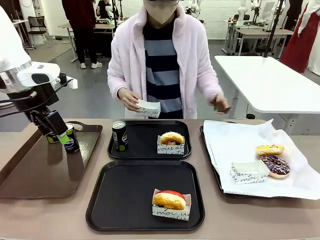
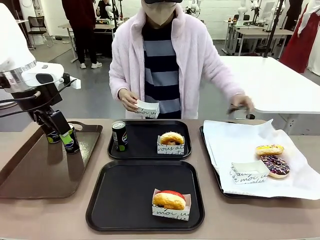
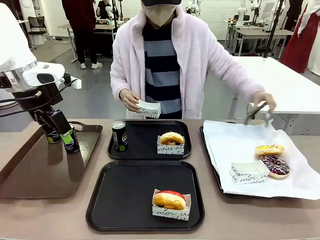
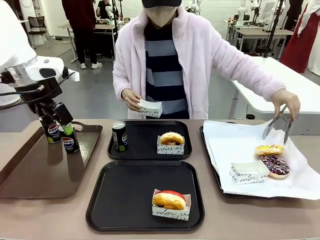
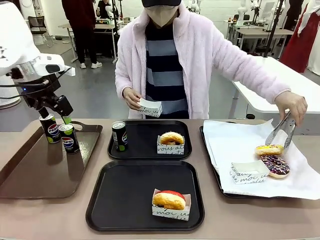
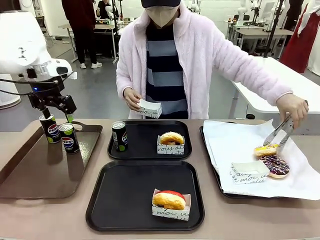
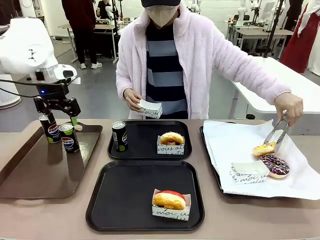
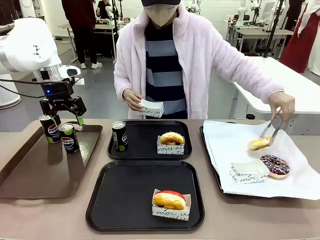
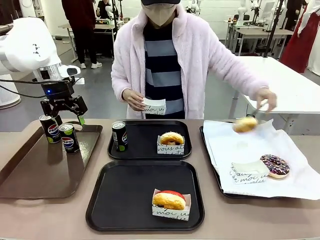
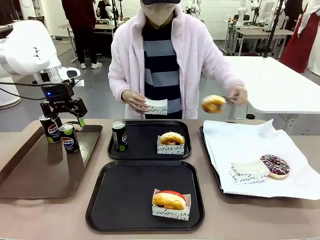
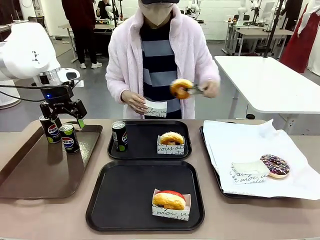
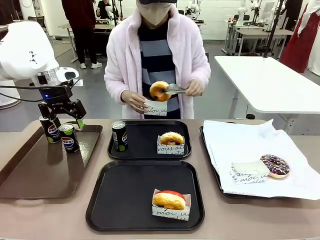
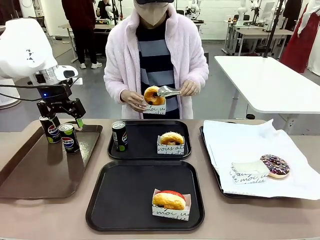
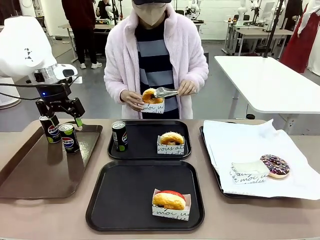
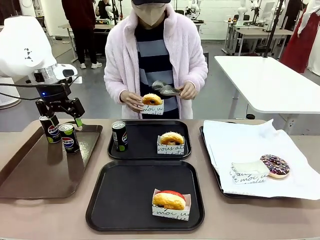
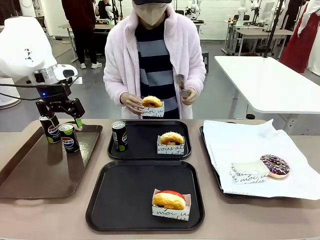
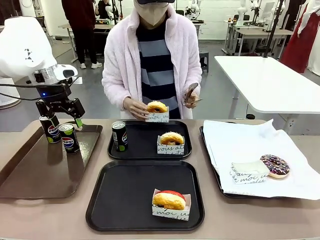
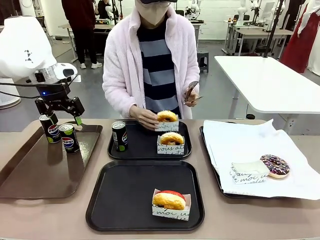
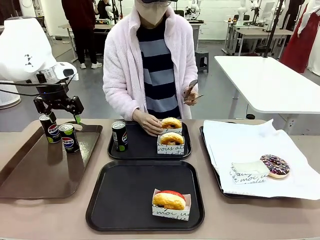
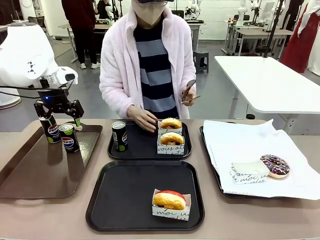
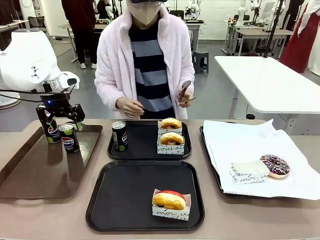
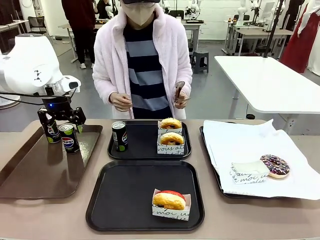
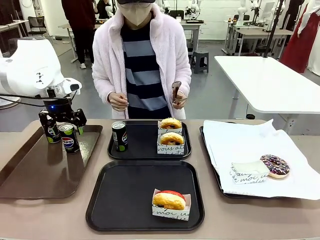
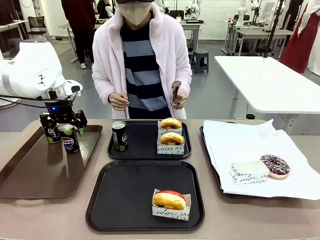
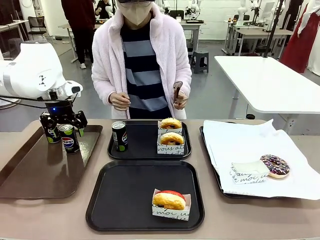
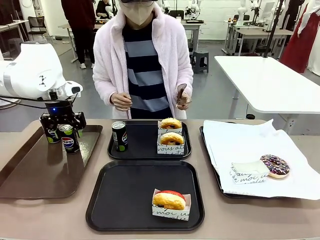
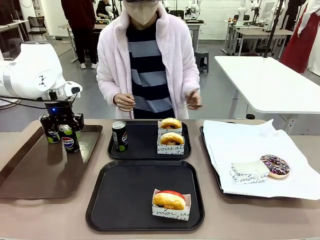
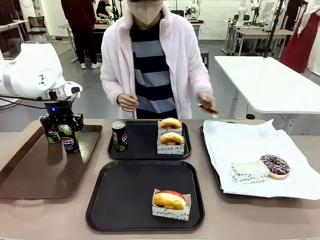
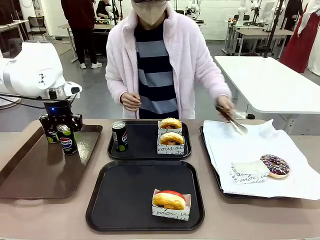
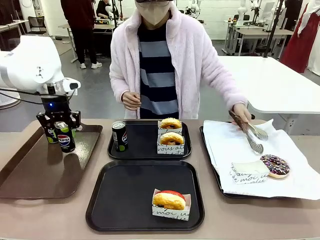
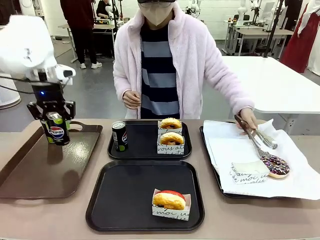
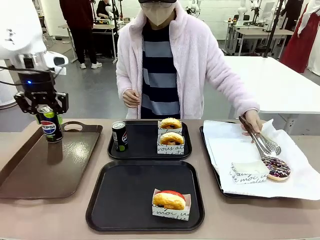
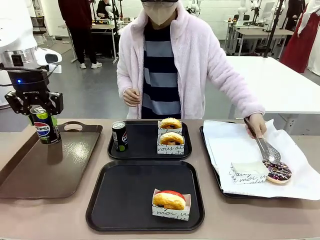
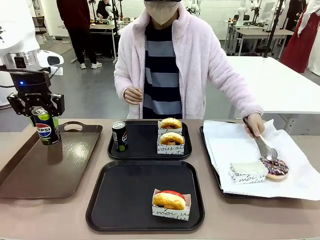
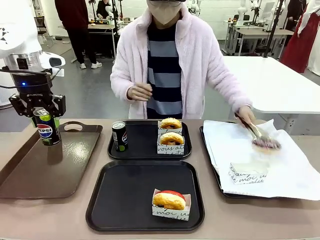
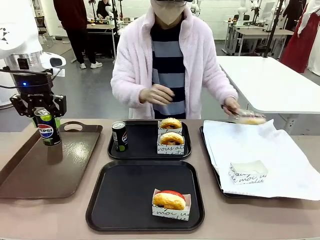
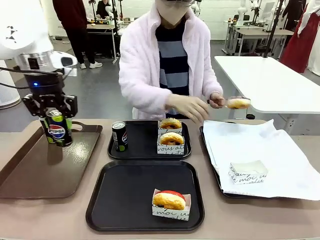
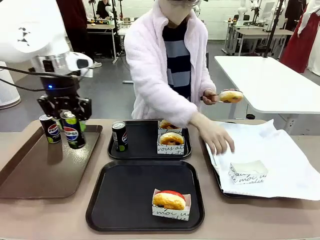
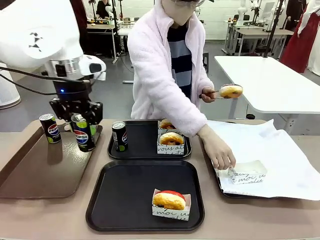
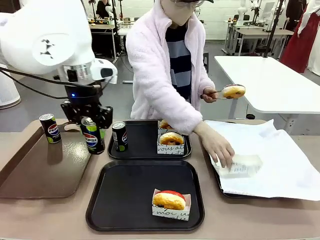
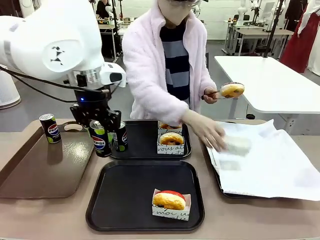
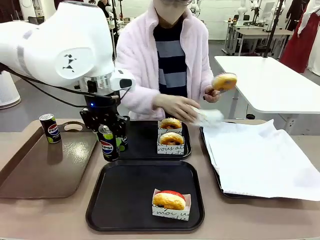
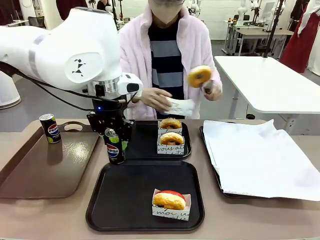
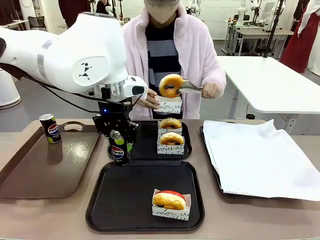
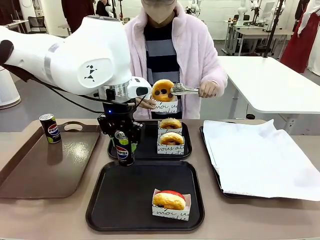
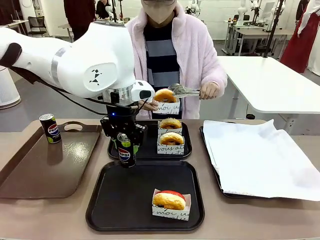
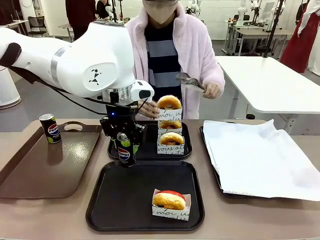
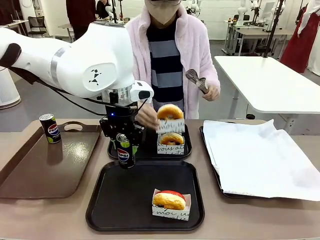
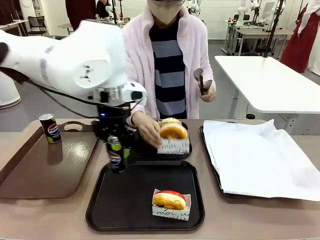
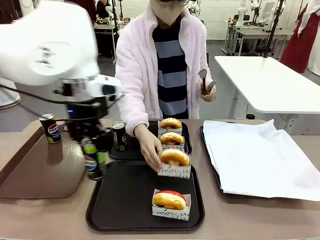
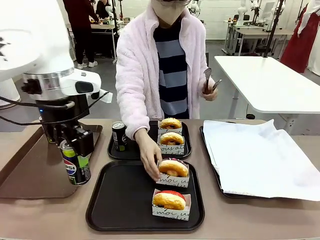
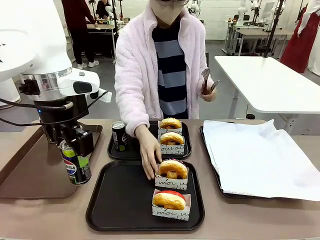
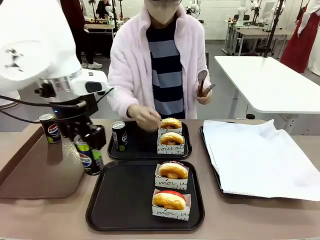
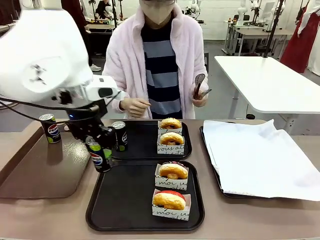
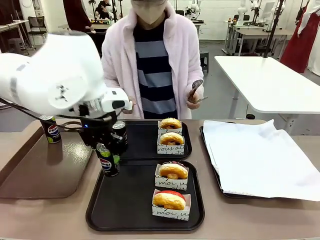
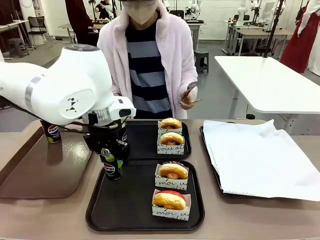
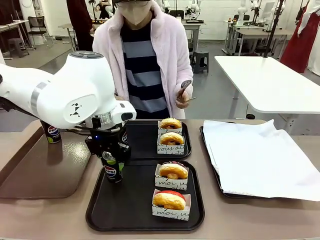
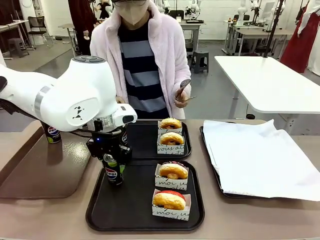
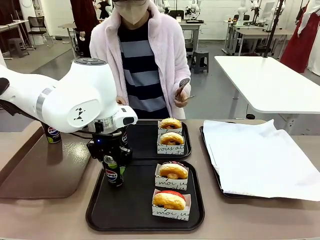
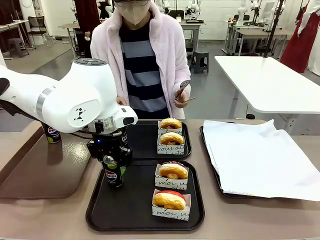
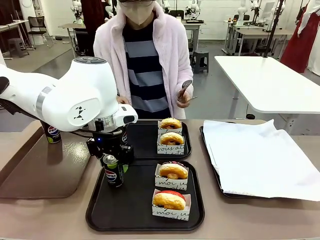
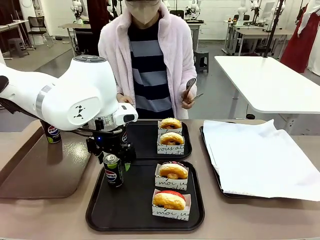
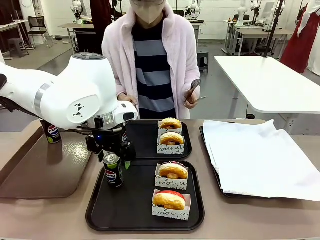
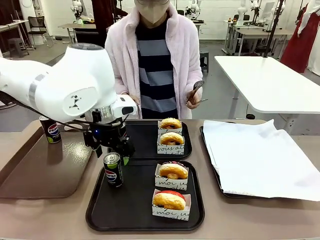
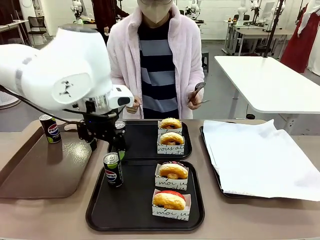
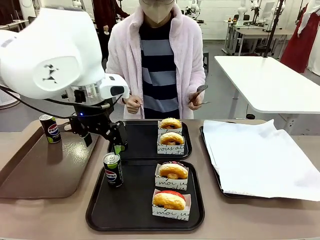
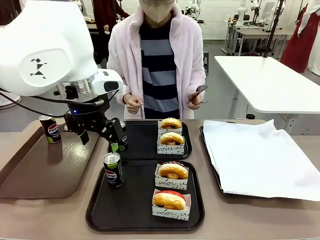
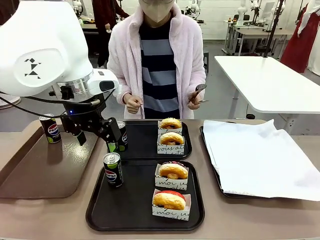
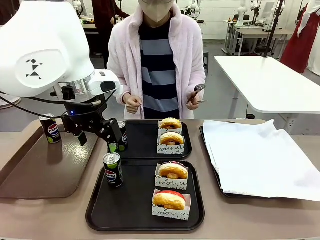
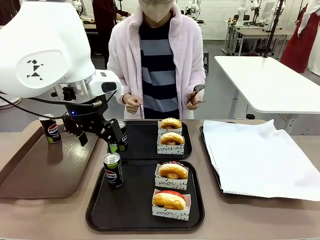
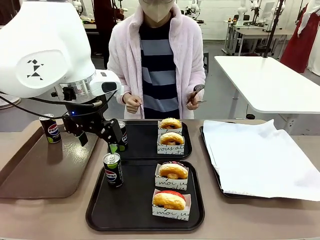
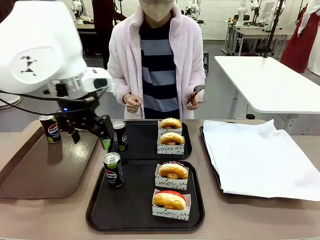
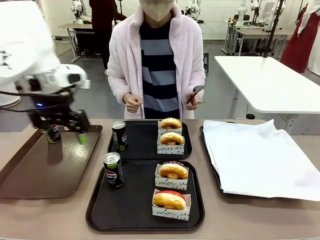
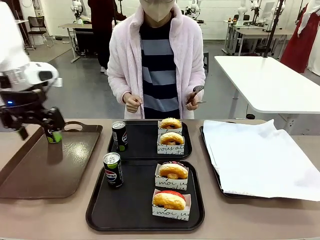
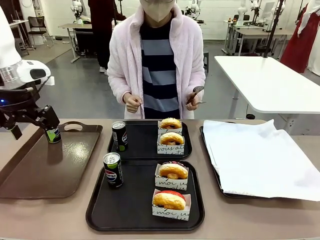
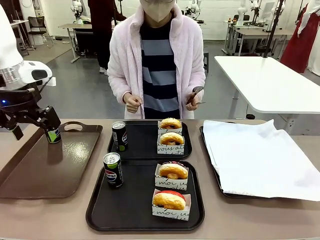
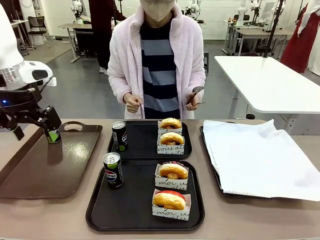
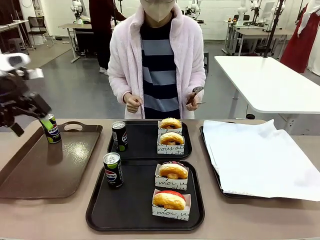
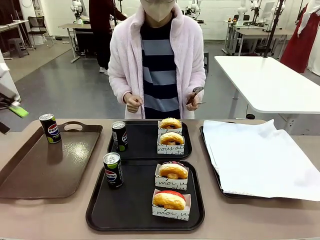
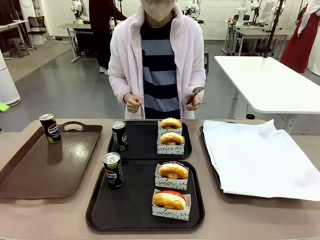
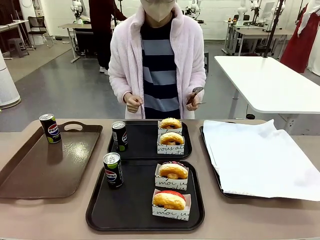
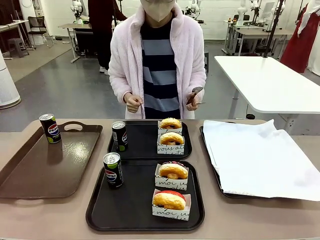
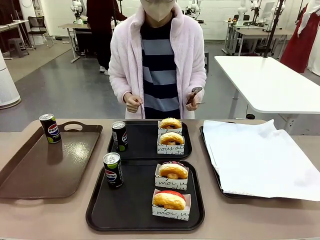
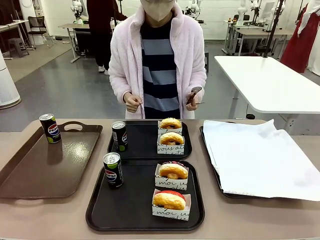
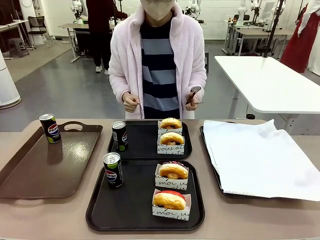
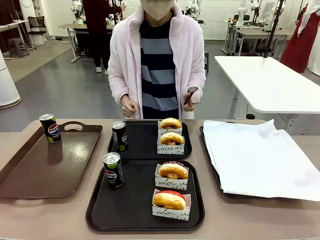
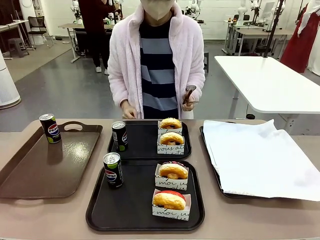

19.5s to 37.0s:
Task: Set up donuts and drinks on trays.
Robot: Pick up one Pepsi coke from the Handle tray and place it on the Flat Tray without a Pepsi coke.
